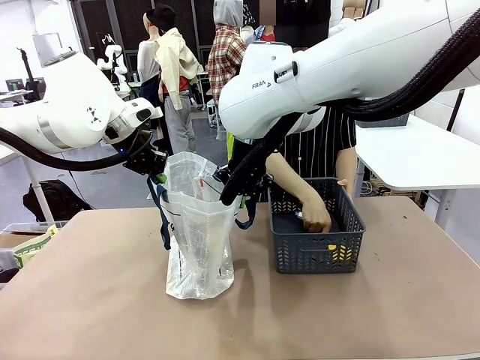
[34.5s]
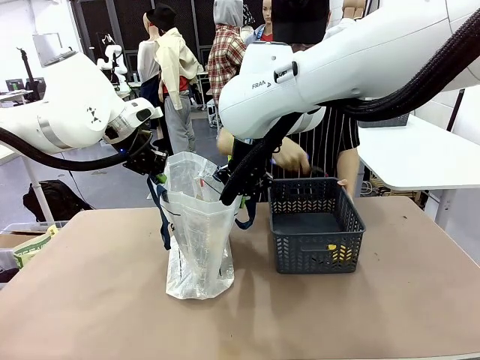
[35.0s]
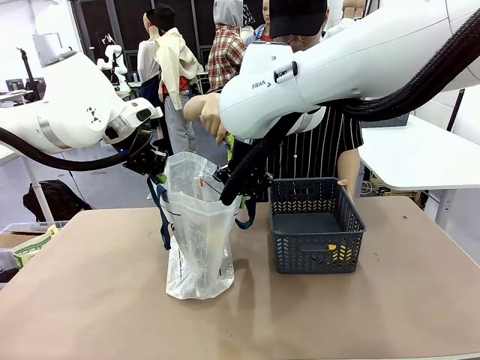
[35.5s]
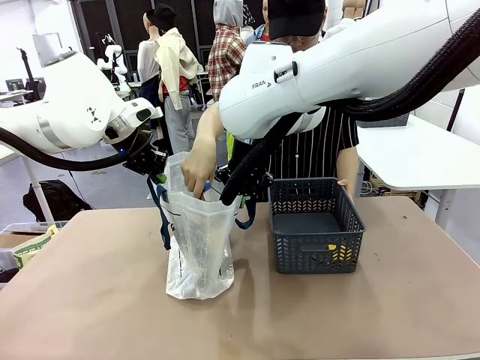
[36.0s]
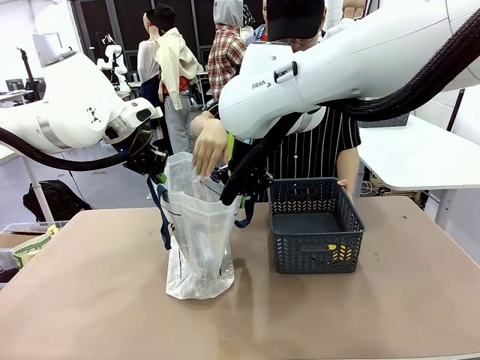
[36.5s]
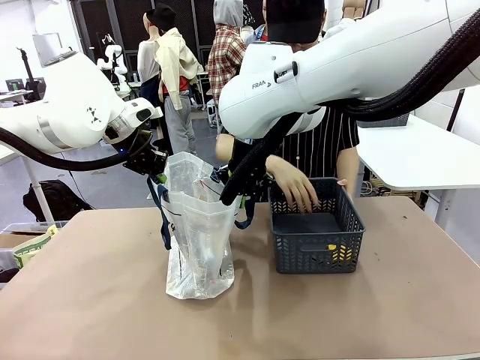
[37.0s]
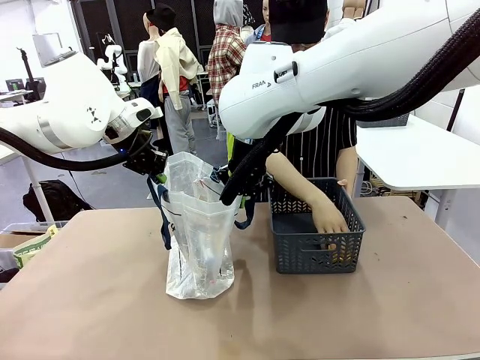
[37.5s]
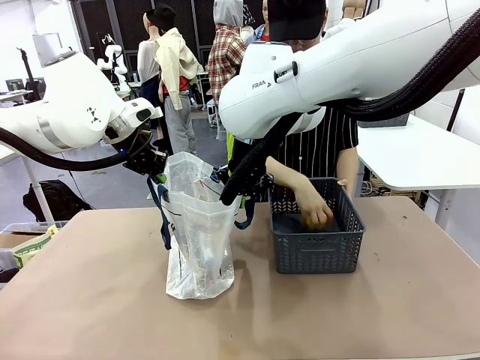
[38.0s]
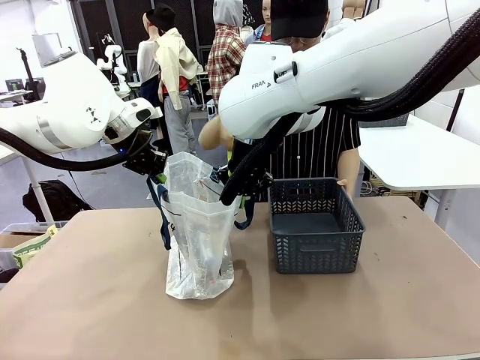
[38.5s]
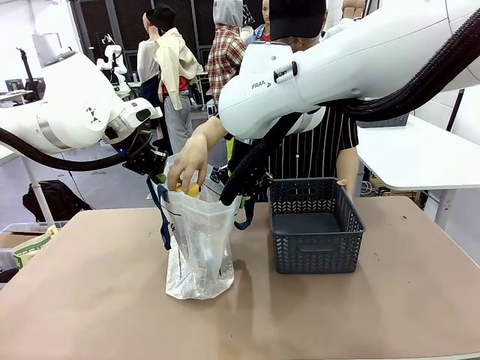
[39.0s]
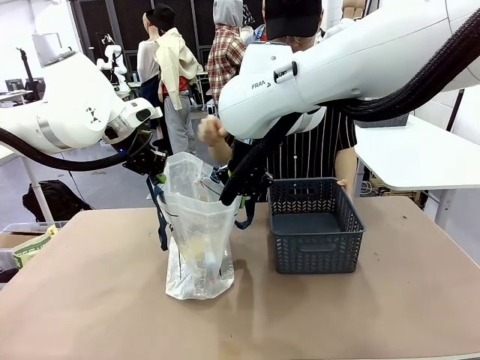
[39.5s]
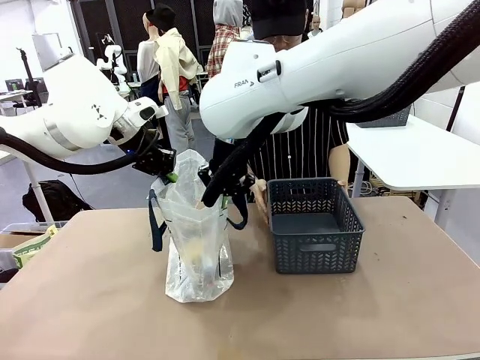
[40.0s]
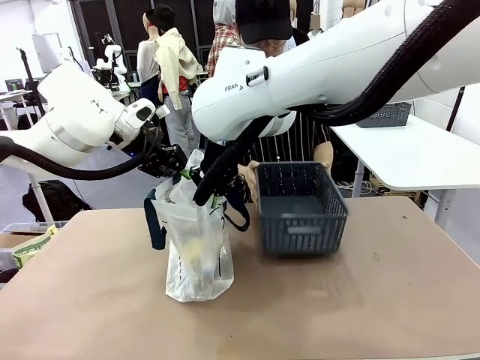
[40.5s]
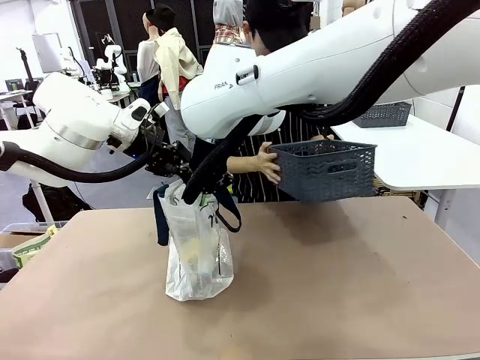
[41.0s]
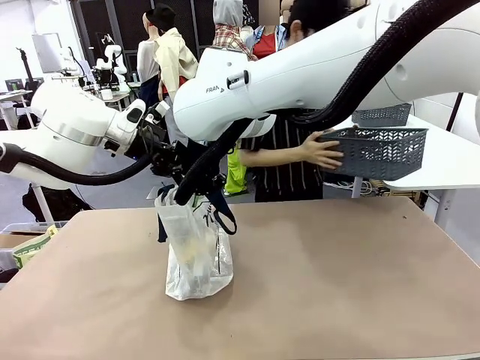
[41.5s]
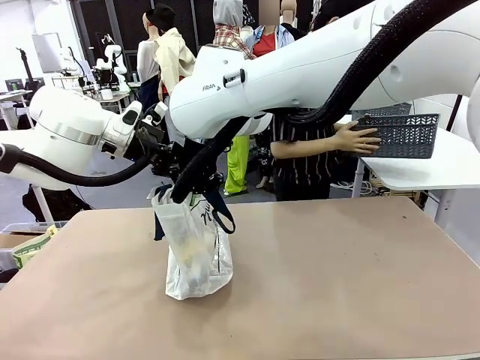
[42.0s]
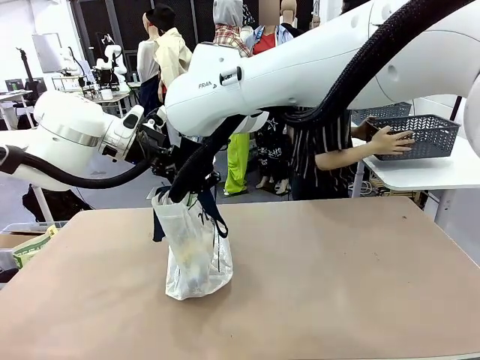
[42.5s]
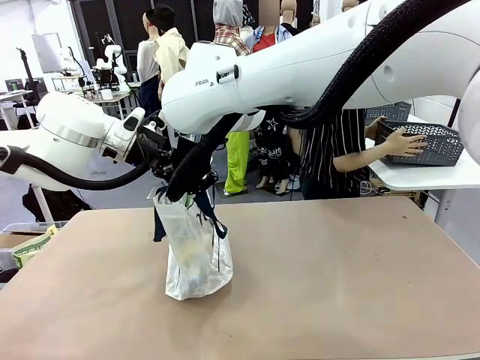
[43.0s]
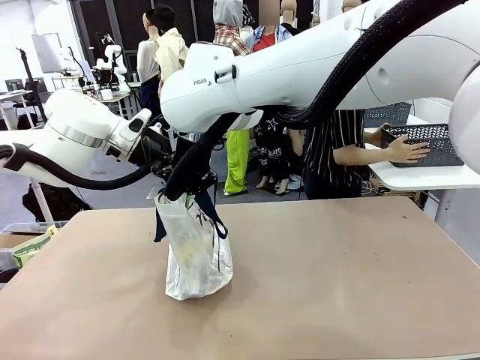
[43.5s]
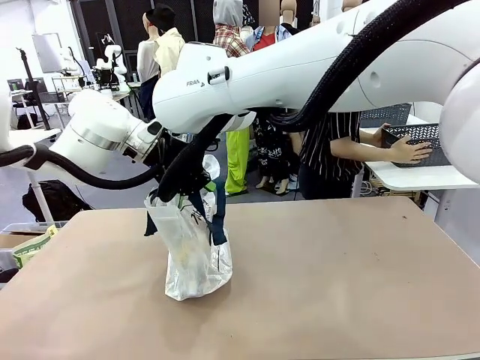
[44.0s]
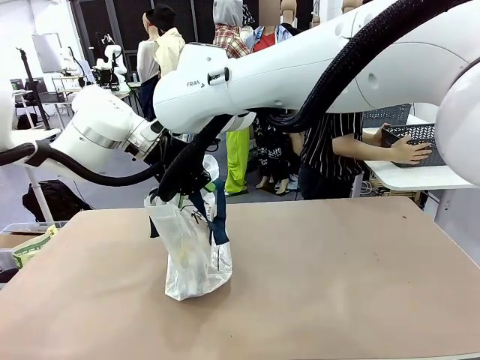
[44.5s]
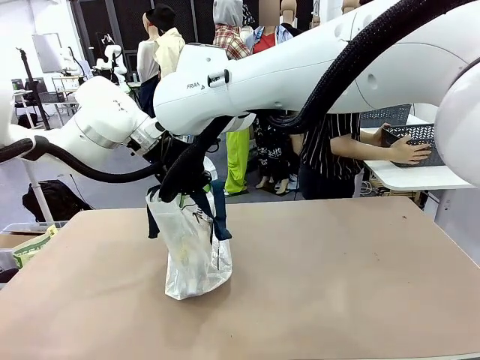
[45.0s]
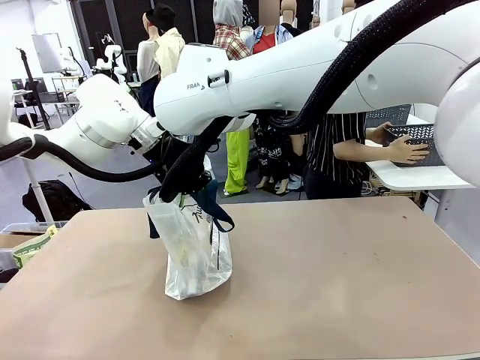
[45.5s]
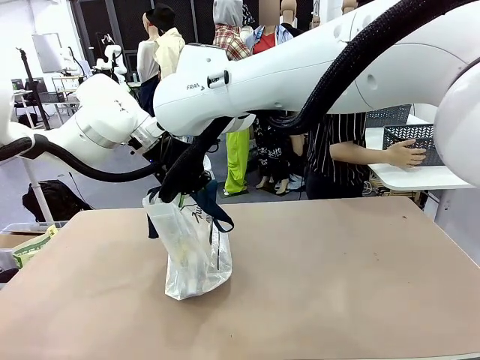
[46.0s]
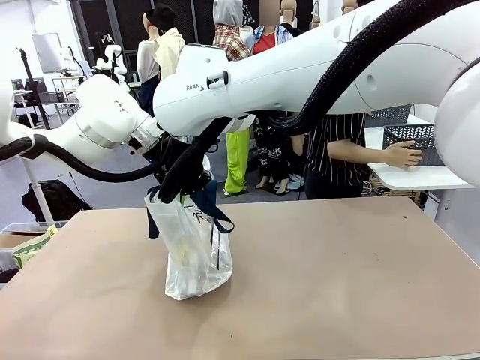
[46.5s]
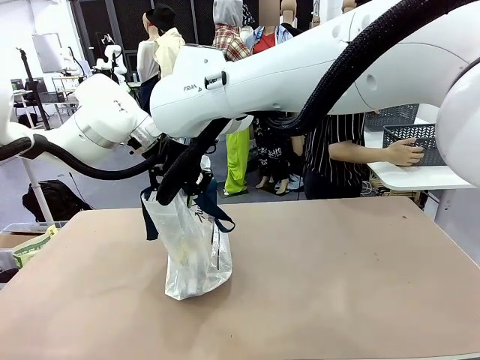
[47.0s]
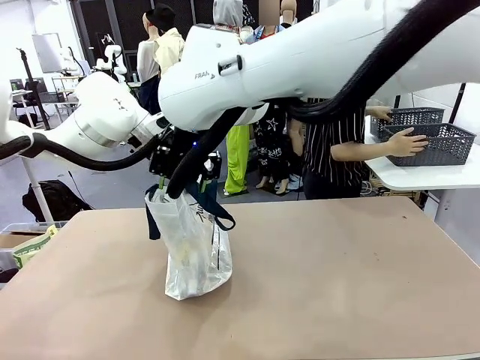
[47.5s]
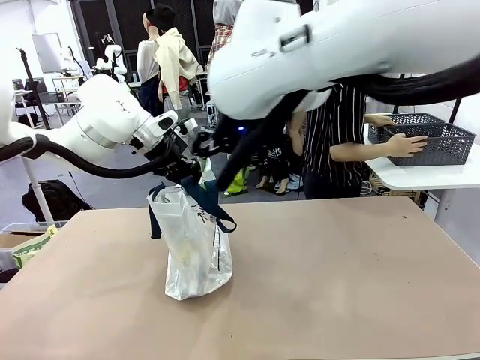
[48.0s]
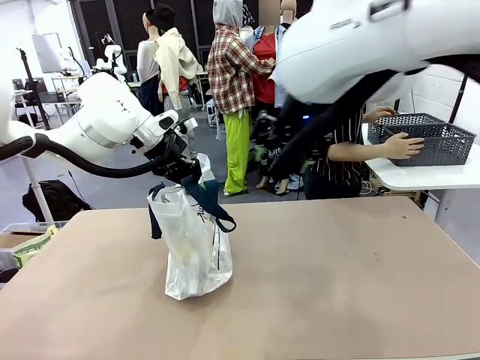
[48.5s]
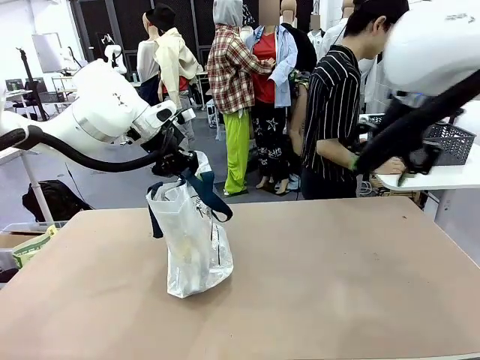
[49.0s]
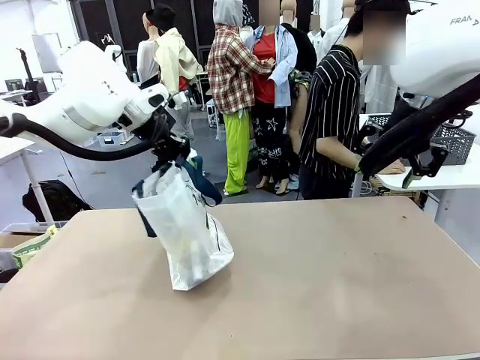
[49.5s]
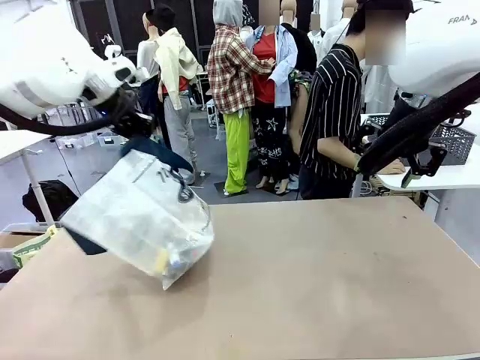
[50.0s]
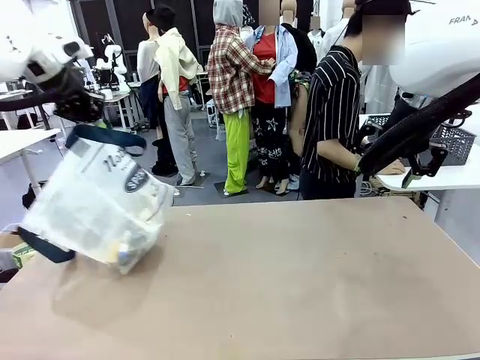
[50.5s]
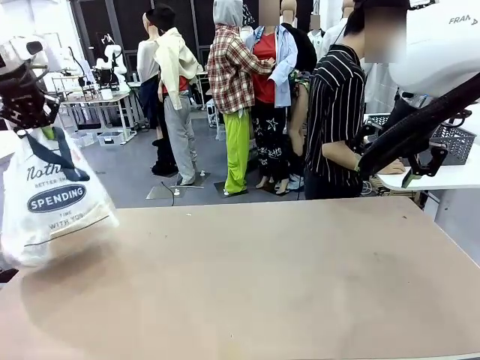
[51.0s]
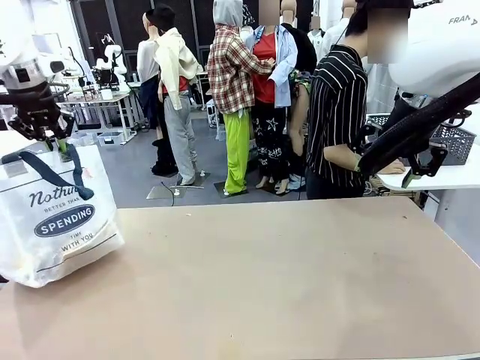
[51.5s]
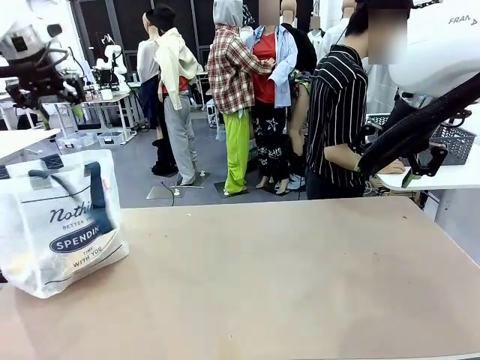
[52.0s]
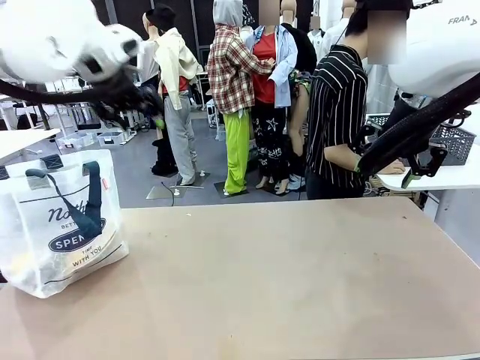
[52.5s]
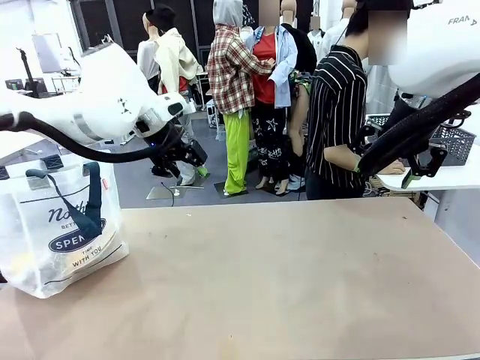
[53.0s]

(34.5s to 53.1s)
Task: Transfer purchased items from the store into the shopping bag.
Robot: Move the Reusable shopping bag to the right side of the table.
Person: Move the basket on the left to the middle of the person's table.

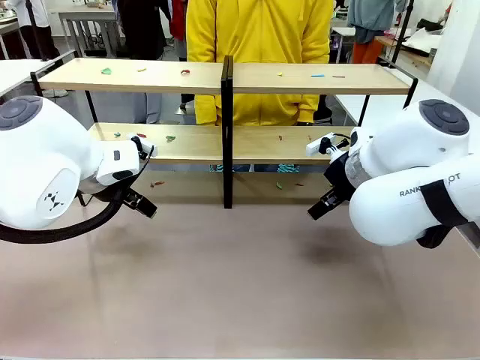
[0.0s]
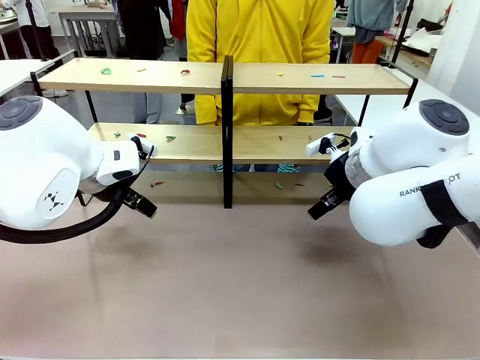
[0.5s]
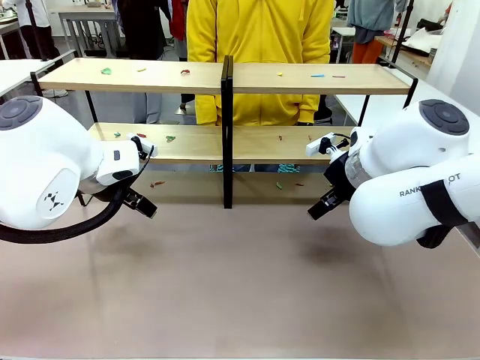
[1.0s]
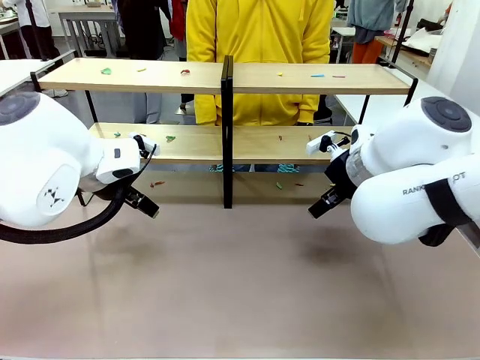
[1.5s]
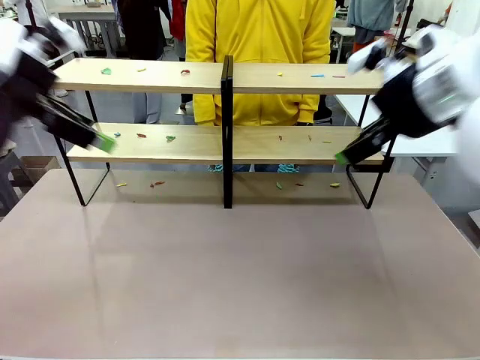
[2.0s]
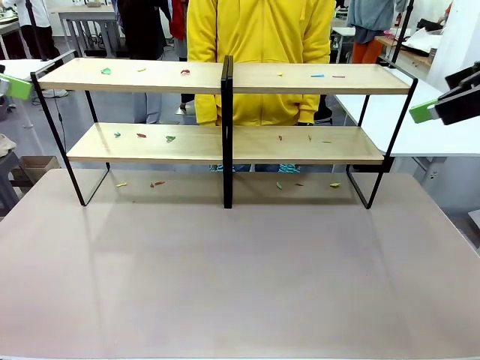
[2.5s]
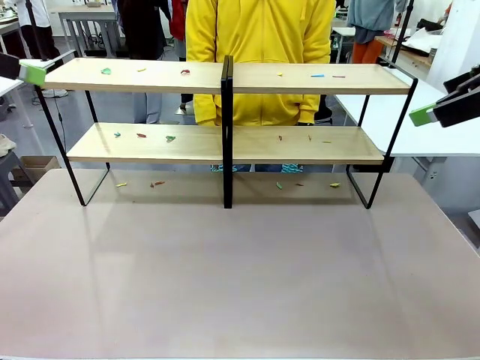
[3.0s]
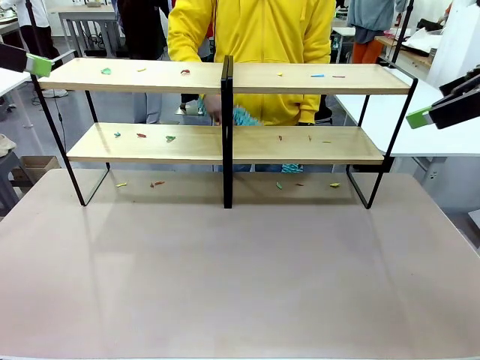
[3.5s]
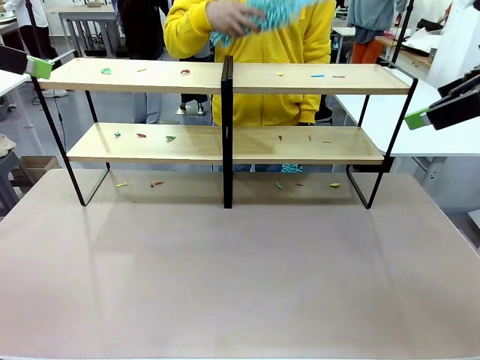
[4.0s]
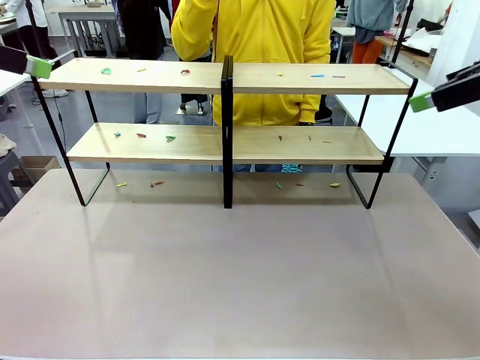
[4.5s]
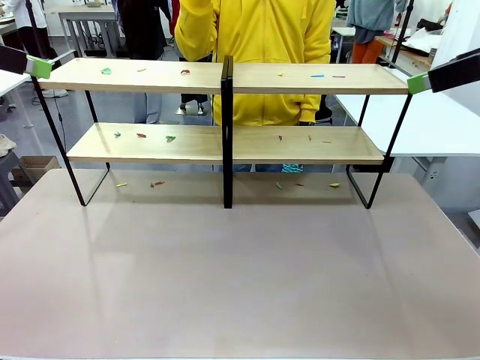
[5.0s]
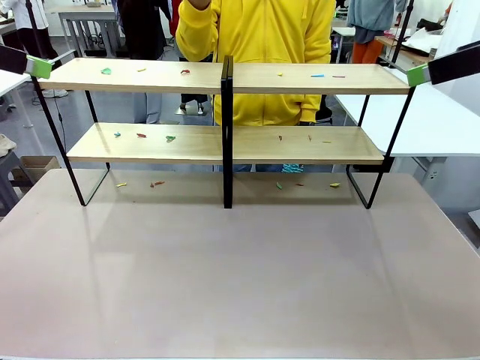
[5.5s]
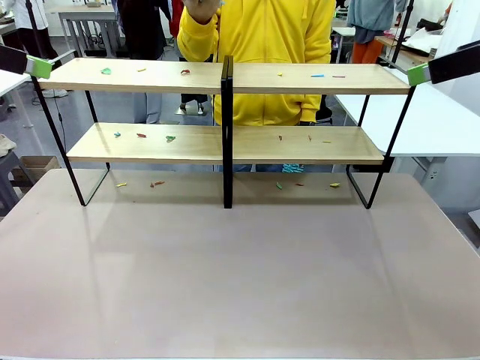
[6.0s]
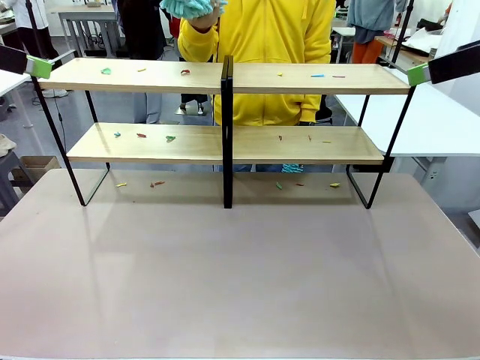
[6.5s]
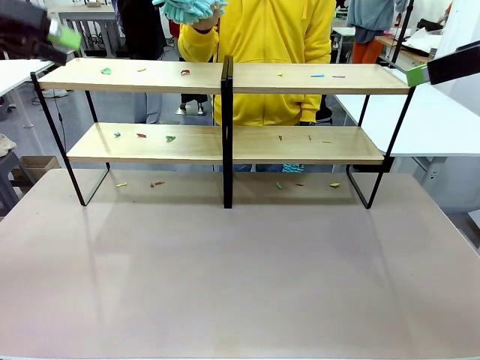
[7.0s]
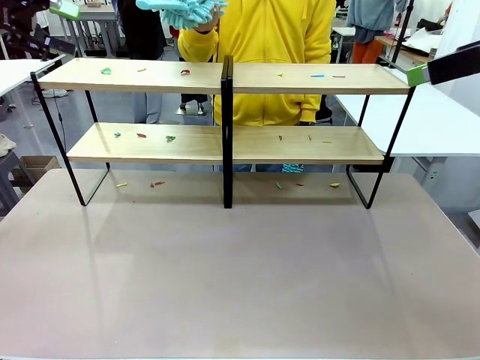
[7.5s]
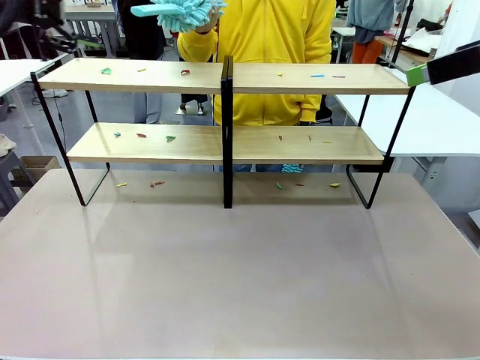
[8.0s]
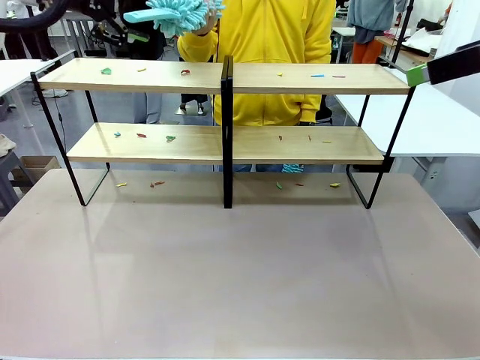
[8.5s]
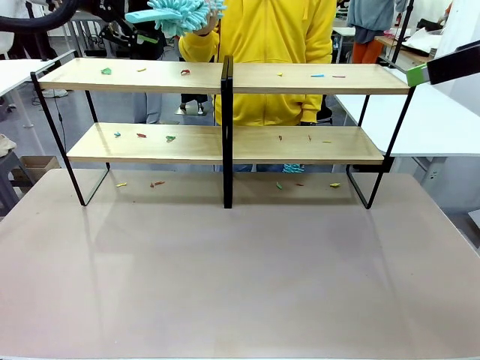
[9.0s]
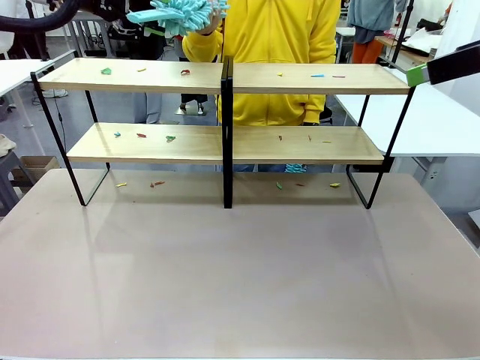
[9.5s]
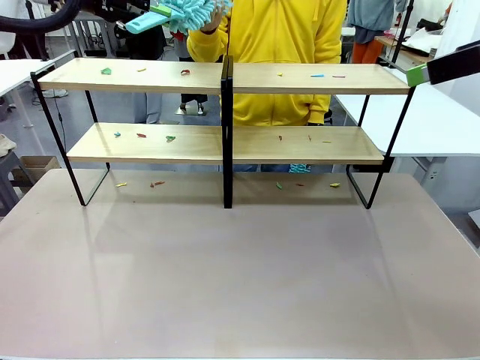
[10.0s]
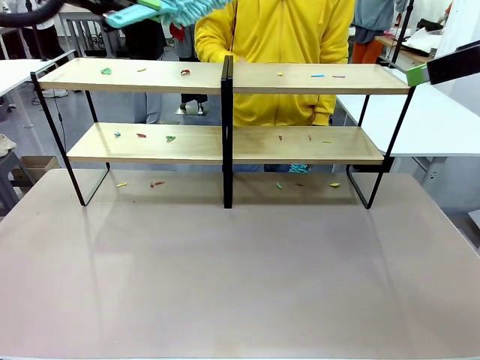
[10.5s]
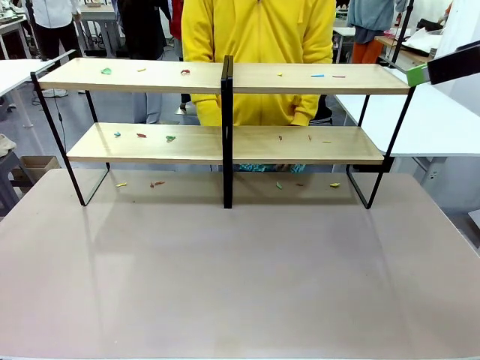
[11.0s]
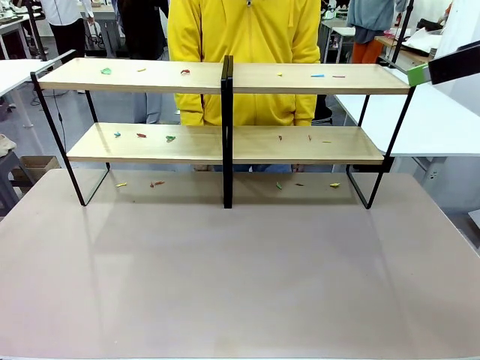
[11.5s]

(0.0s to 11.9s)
Task: Clean the shelves.
Robot: Pick up the Duster when the human hands it over.
Person: Hand the Duster to the robot with your right (or left) hand.
